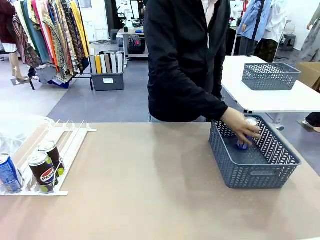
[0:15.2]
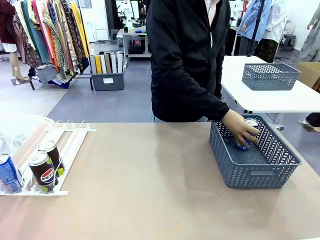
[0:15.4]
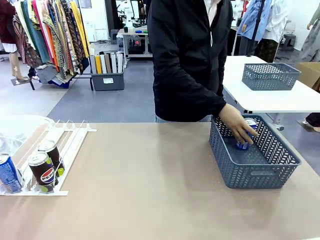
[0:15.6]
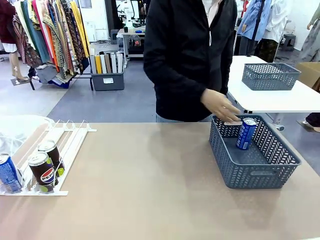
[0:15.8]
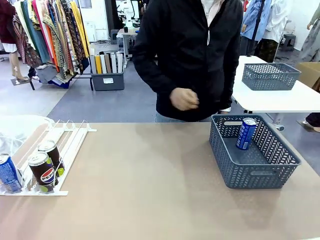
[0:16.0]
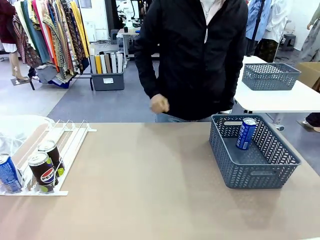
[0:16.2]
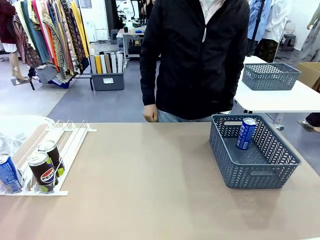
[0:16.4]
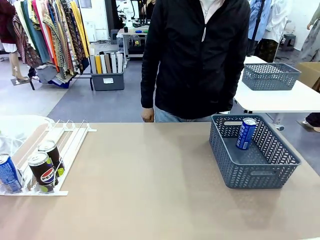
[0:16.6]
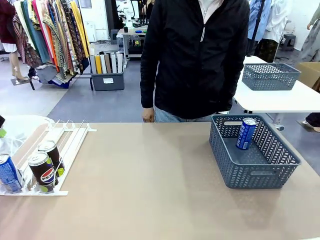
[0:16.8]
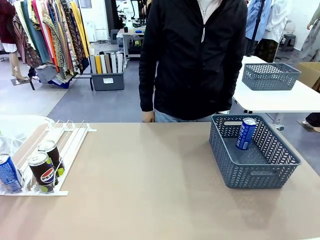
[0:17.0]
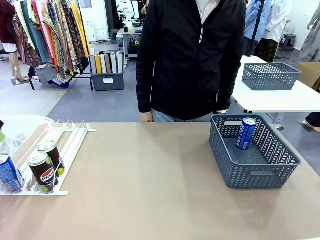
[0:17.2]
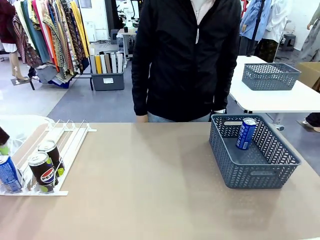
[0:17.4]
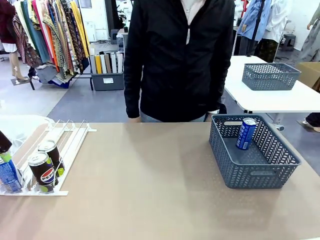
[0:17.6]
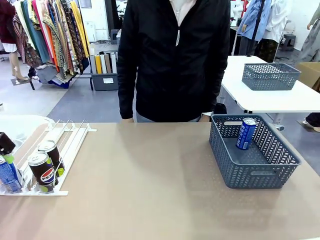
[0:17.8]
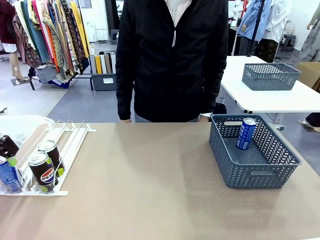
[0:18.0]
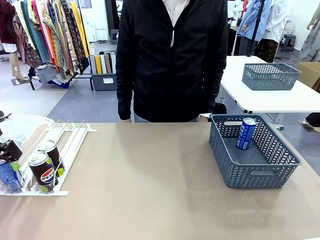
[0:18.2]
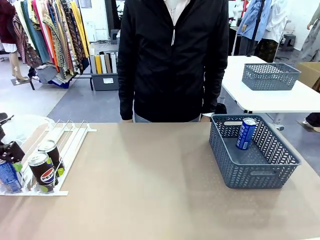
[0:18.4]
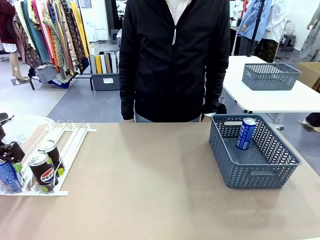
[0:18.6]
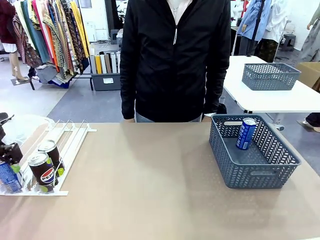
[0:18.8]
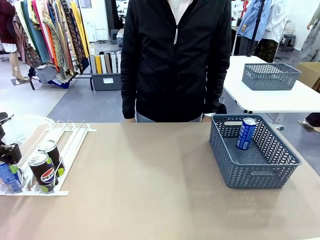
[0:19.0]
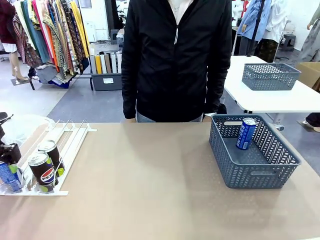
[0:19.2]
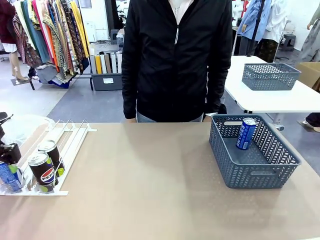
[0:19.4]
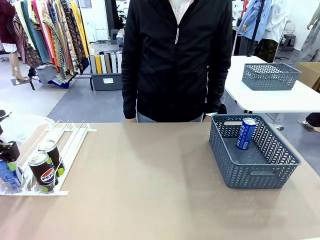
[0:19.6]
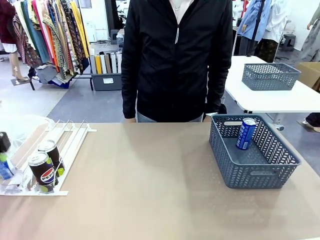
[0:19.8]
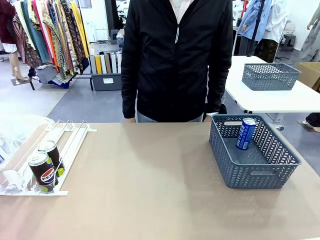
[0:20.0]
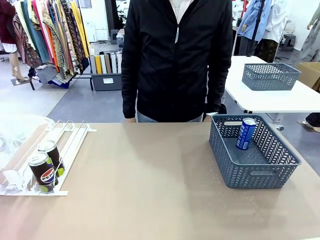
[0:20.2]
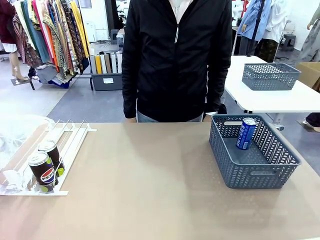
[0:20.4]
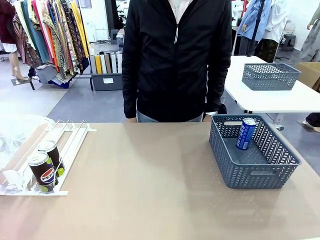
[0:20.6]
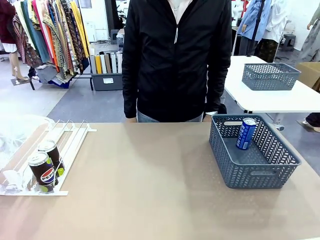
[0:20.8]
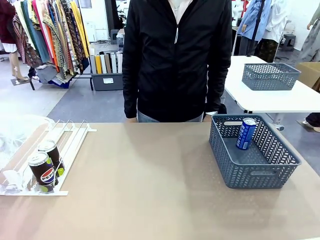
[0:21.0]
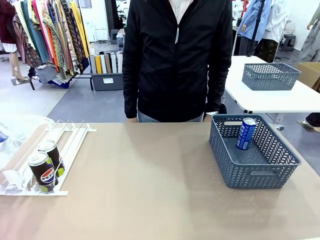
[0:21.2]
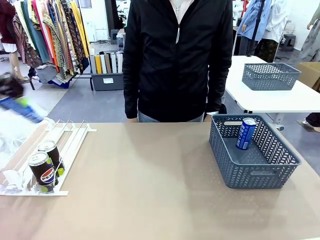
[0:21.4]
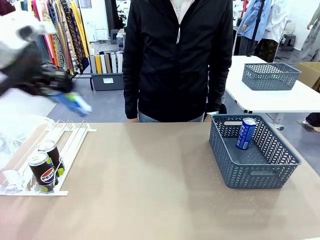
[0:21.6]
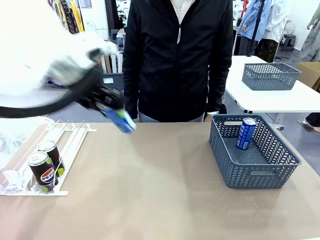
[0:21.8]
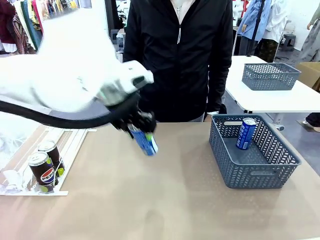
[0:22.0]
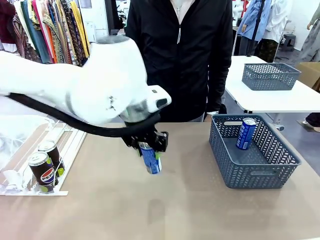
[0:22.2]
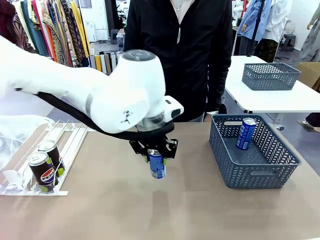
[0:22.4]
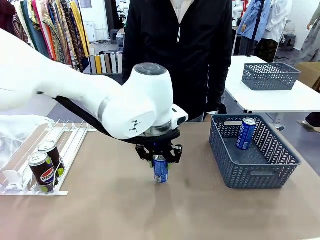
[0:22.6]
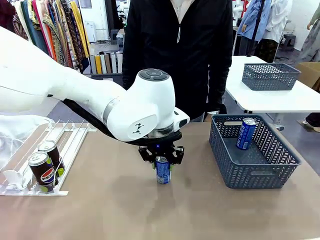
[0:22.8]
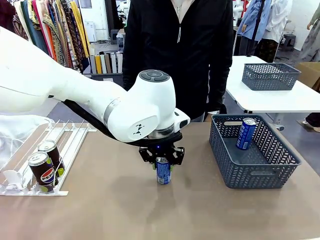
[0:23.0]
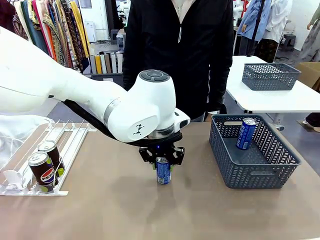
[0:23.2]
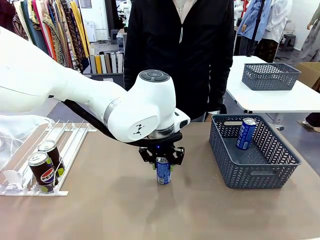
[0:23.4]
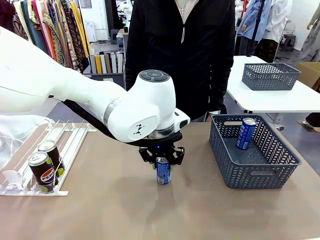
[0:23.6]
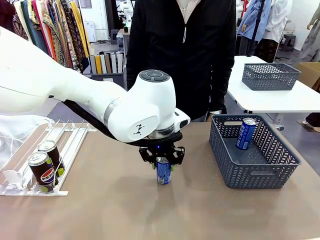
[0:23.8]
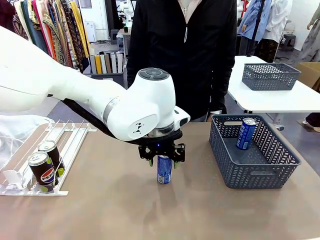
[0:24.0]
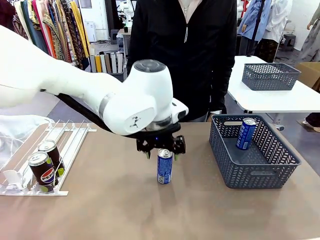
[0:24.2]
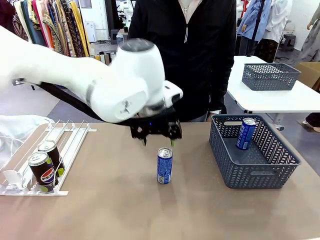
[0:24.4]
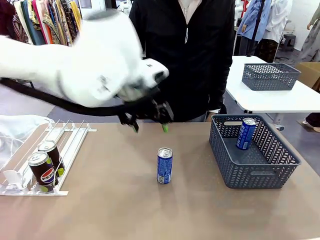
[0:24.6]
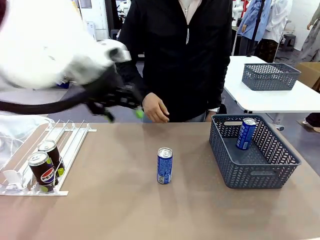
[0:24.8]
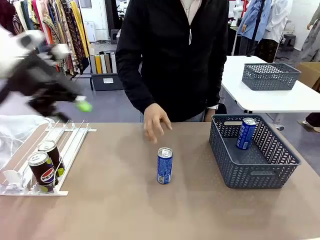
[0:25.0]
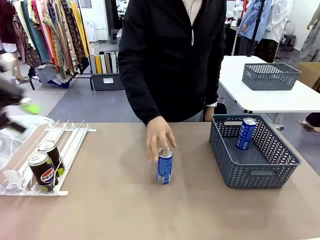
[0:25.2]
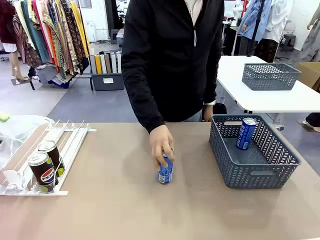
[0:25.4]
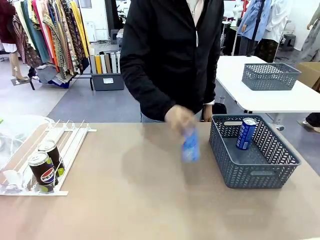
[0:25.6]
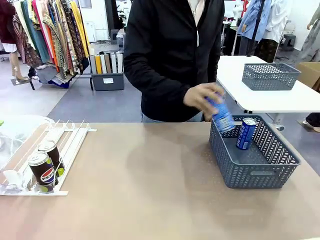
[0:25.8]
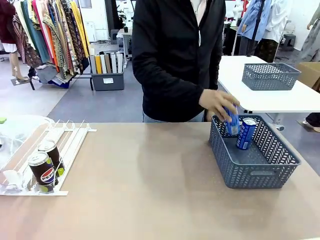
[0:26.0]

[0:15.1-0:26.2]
Task: Retrieve and store the cans from the dispenser.
Robot: Pick up the last remaining can from one row of the Automatic Can Dispenser and place it in the middle of the table.
Person: Pick up one Pepsi can from the middle of the robot table and place it in the basket.

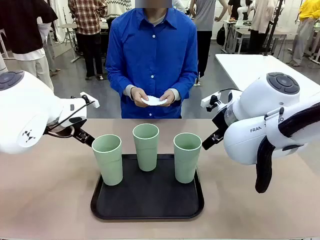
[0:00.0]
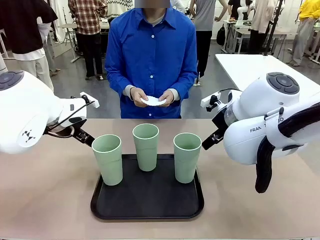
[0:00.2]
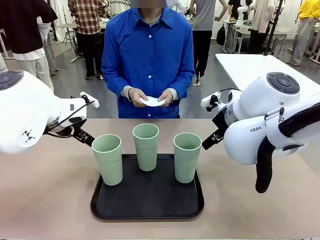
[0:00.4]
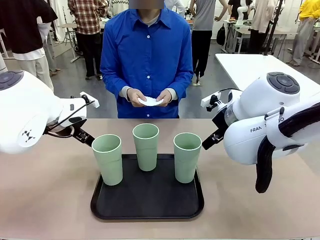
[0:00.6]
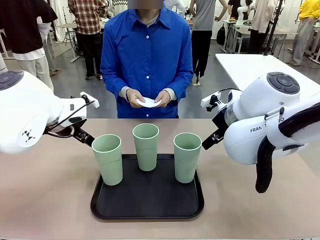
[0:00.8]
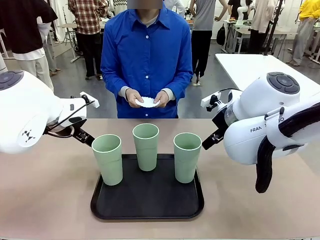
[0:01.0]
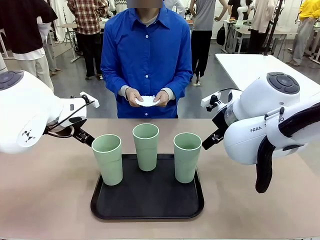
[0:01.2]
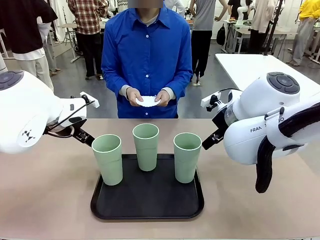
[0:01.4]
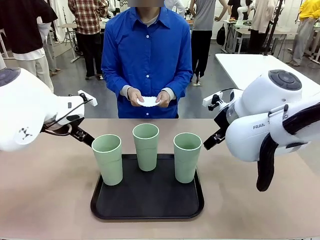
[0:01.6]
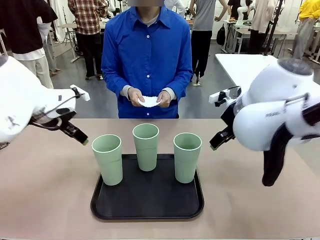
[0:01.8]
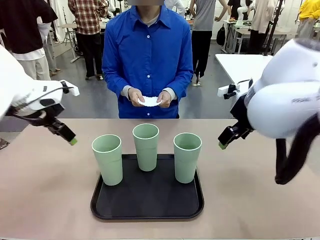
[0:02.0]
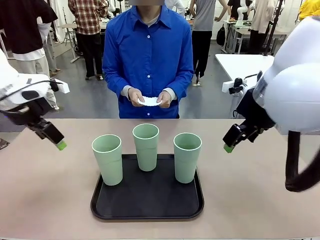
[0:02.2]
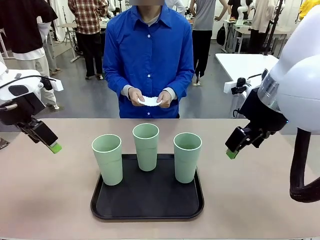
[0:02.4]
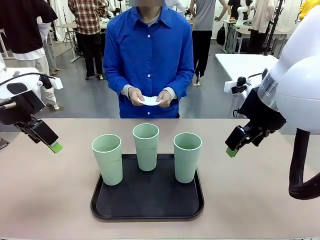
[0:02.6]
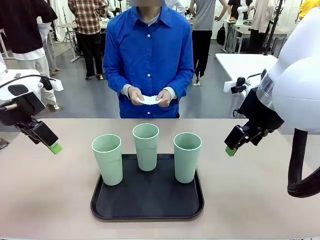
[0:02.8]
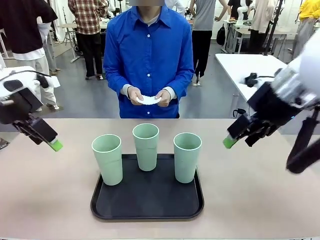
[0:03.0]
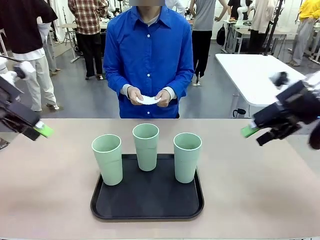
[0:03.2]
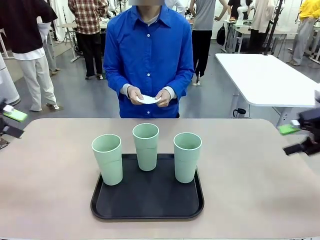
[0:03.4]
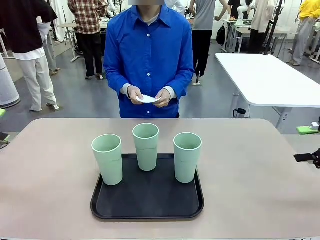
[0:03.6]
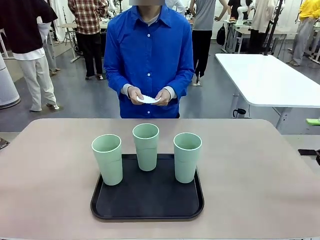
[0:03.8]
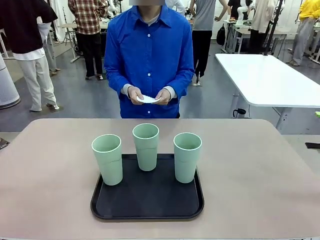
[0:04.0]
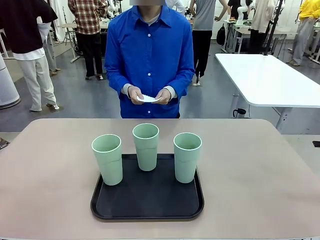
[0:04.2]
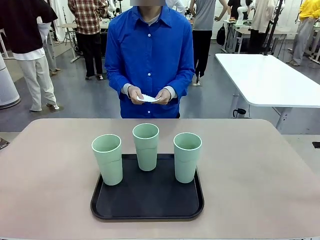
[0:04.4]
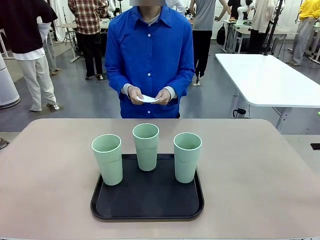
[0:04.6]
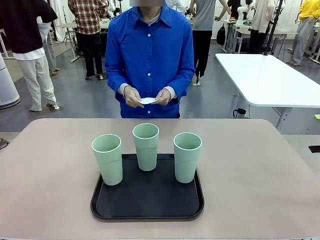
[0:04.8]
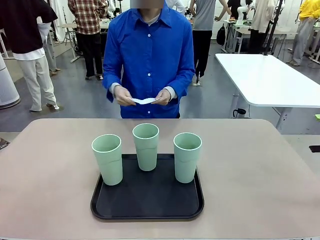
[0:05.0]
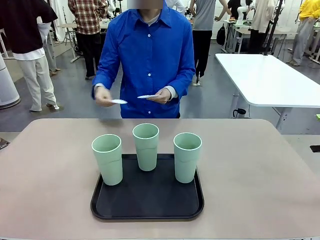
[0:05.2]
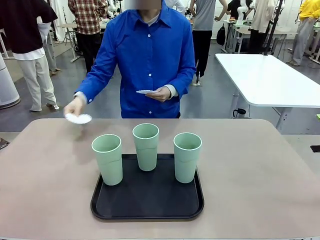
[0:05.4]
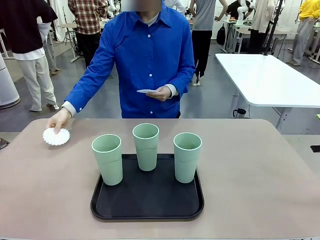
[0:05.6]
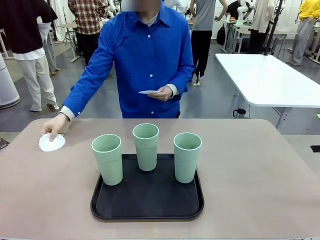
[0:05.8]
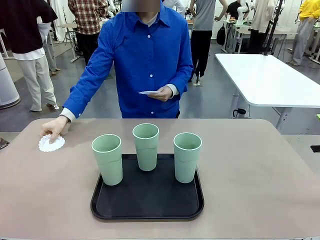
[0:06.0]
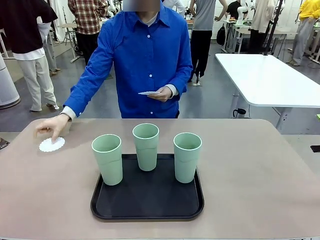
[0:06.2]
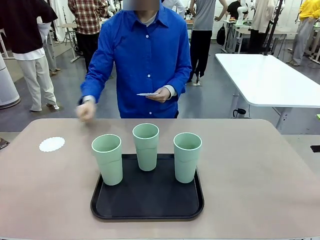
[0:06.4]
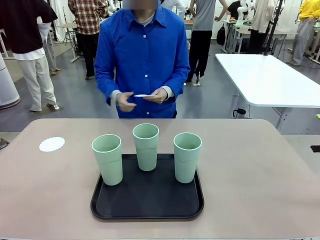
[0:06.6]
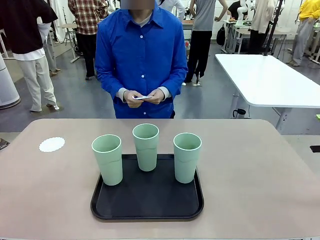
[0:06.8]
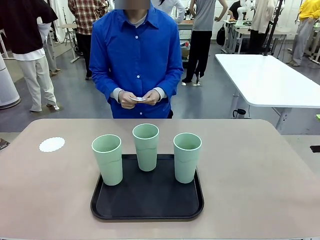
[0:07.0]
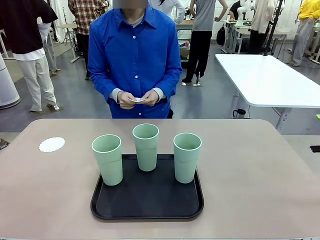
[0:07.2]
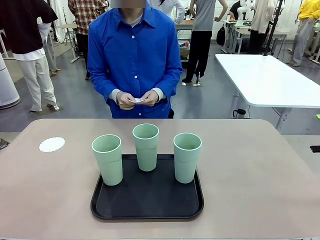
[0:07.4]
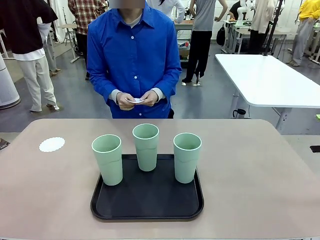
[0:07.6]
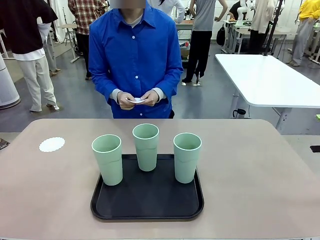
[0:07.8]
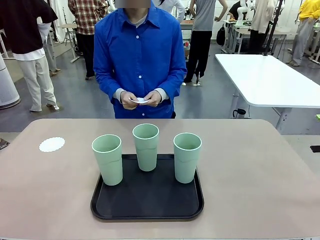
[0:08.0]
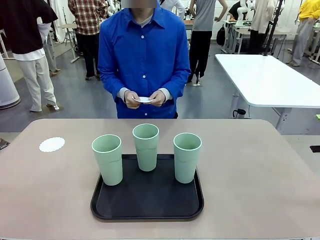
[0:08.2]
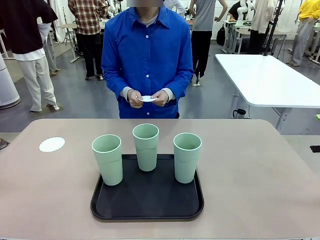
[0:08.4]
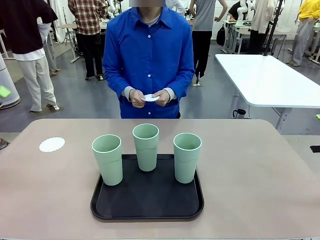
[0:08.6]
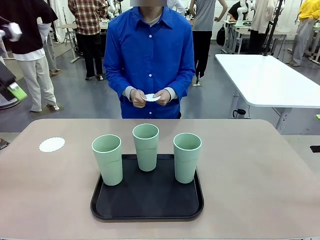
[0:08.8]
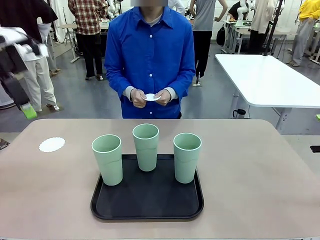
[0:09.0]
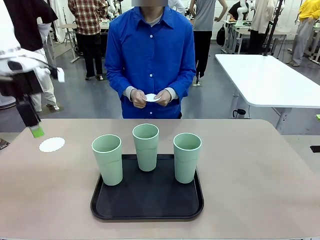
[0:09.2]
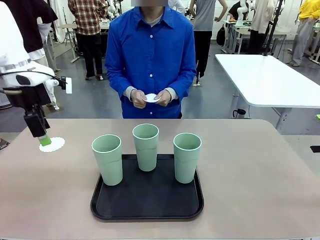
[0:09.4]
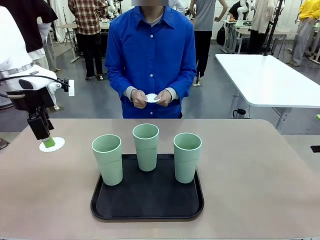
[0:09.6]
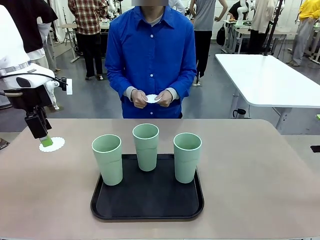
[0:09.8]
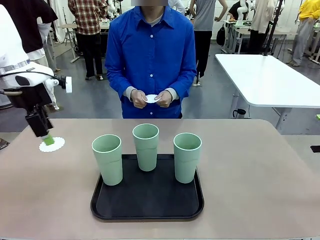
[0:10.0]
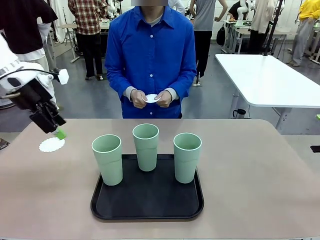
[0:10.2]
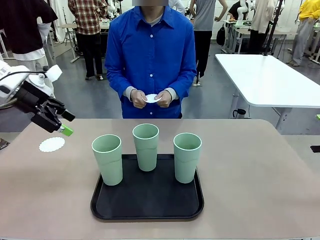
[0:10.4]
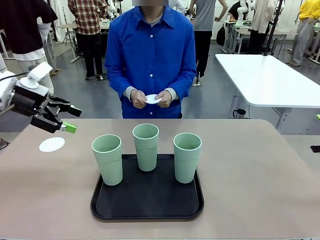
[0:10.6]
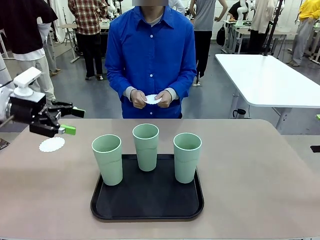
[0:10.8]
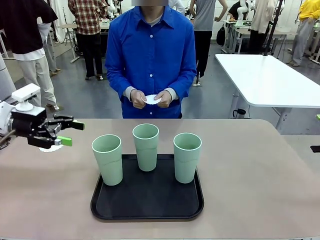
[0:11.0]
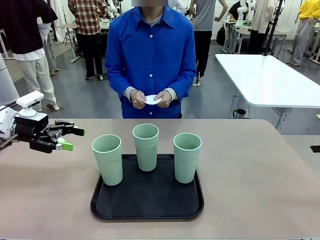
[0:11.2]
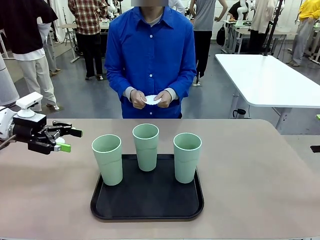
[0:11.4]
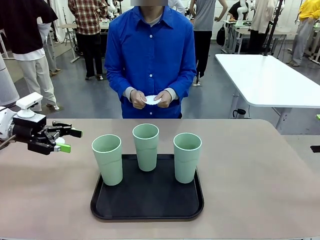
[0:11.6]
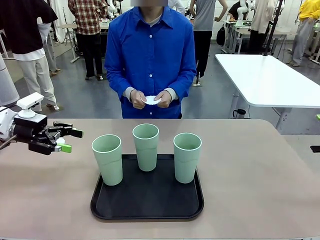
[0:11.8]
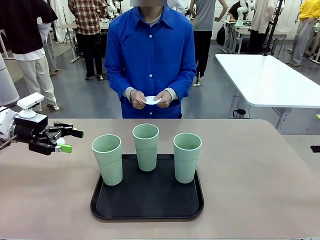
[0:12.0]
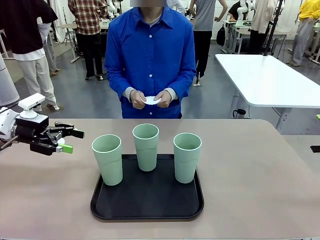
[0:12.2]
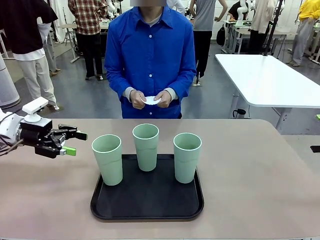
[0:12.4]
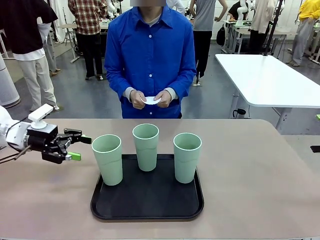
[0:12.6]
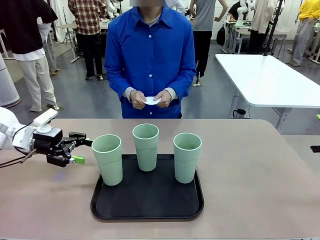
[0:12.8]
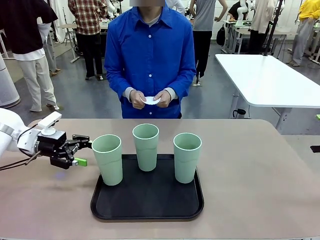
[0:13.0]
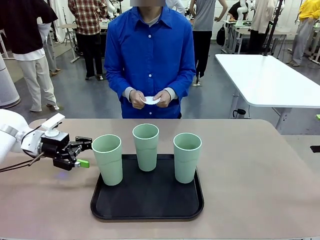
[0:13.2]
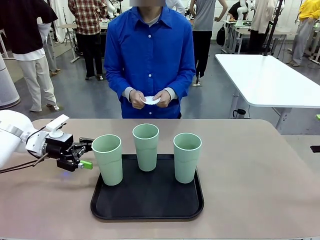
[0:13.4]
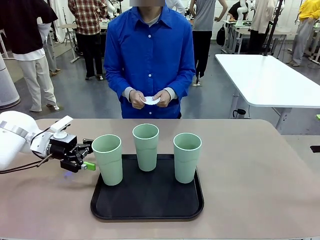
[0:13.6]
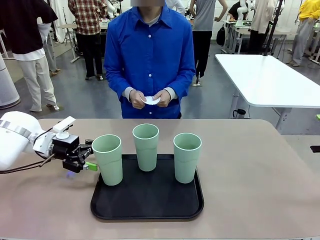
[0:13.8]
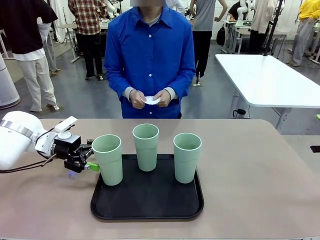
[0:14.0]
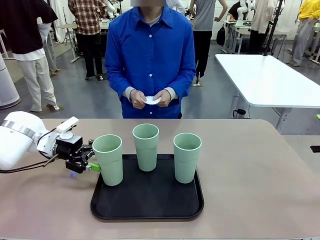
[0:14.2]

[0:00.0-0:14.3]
Task: Place coasters on the table and set cups on them.
Robot: Pick up one Reusable plastic cup and place it on a coaster set by the human.
Person: Place one coaster in any one of the three lower areas of the robot table (left, center, or right).
